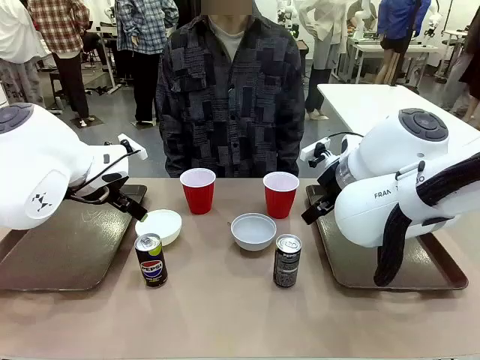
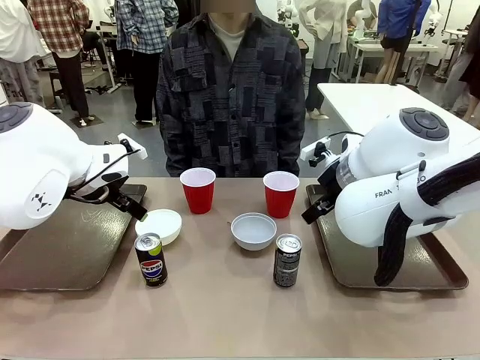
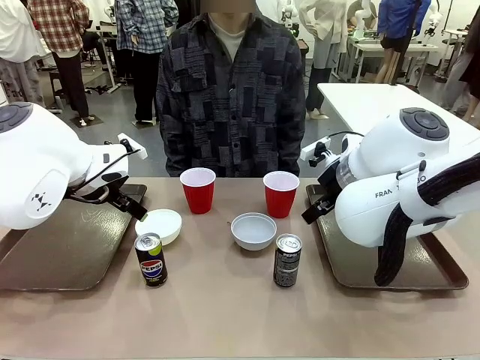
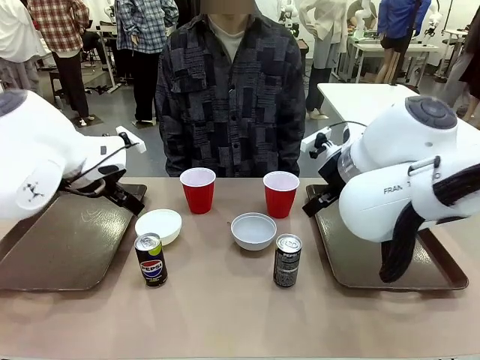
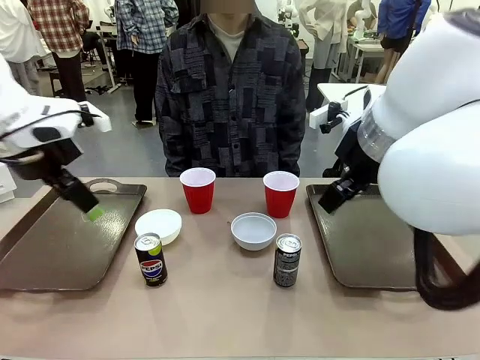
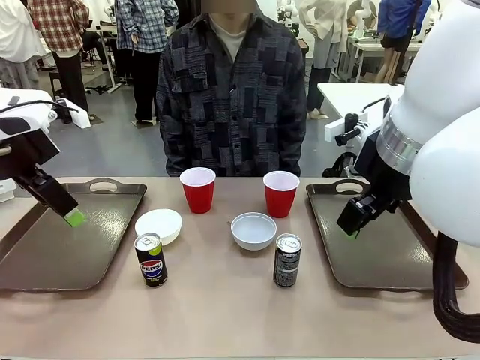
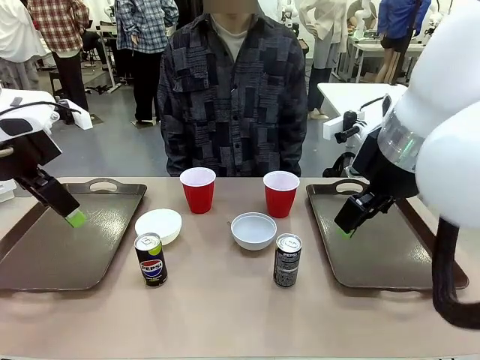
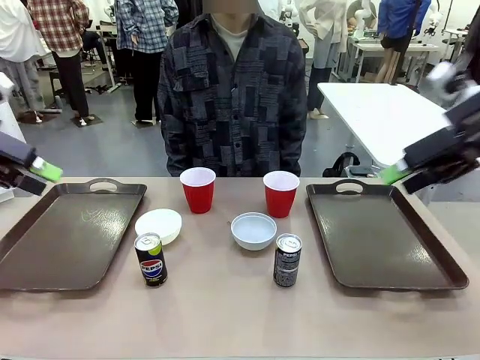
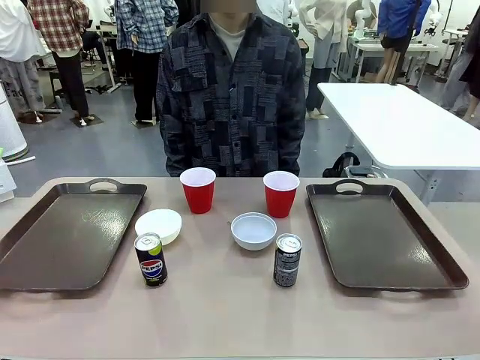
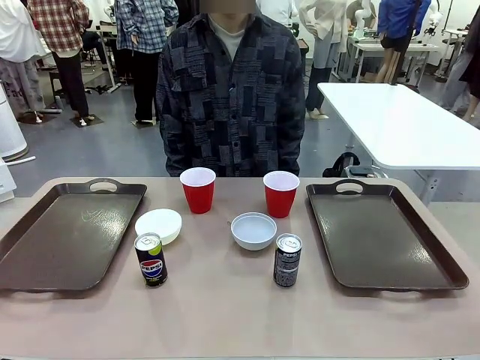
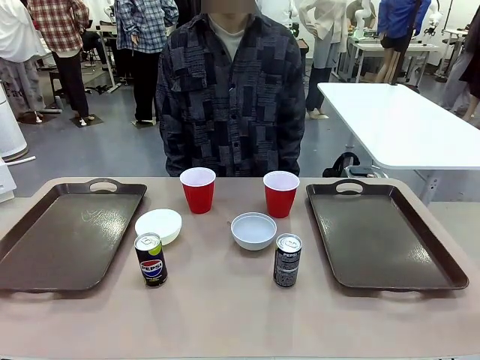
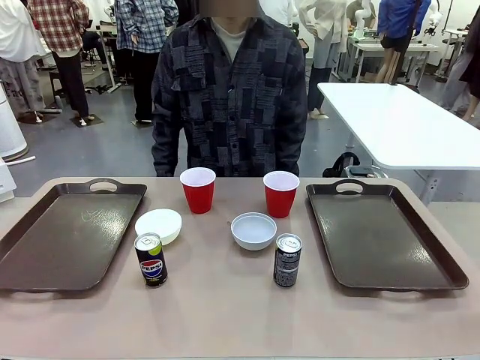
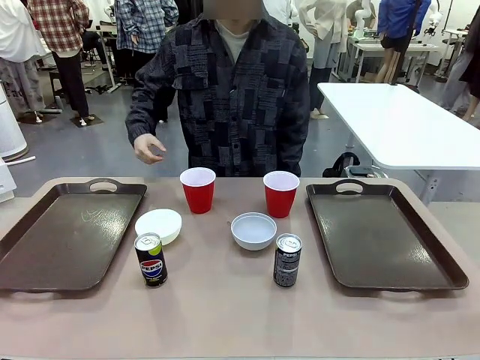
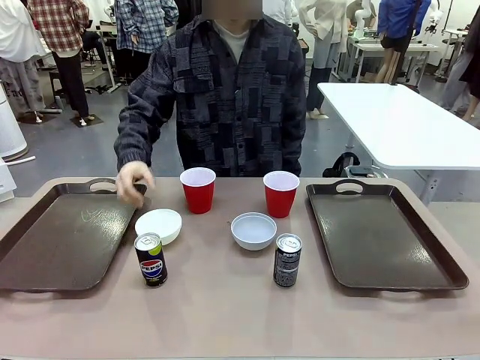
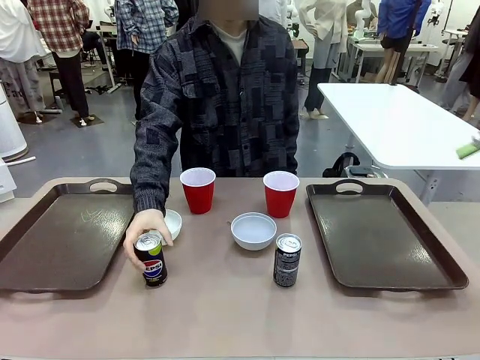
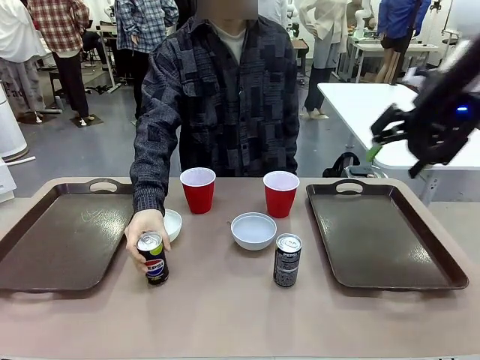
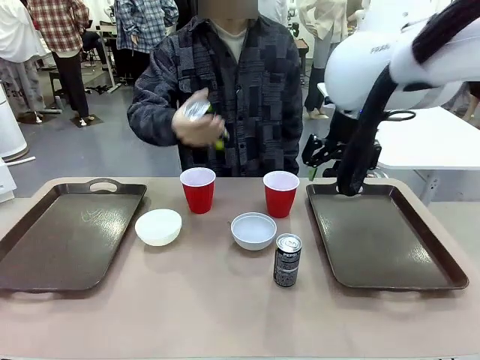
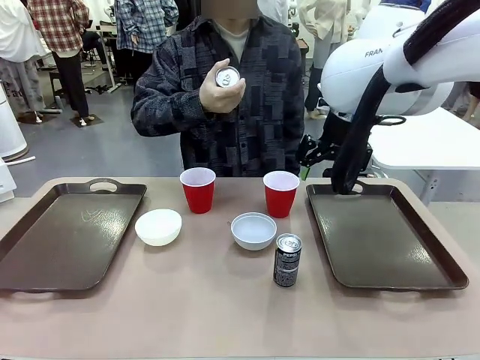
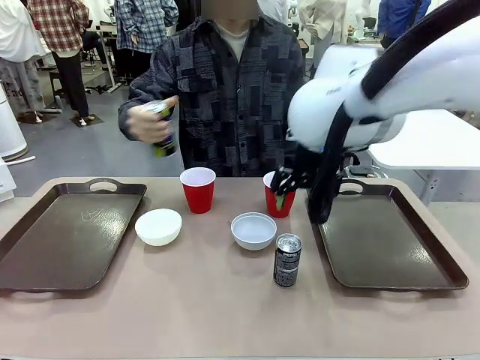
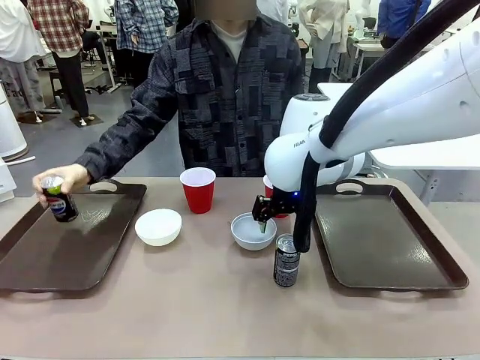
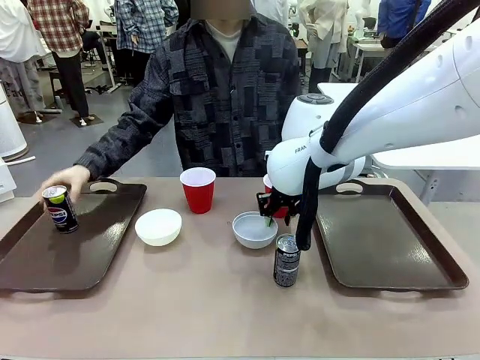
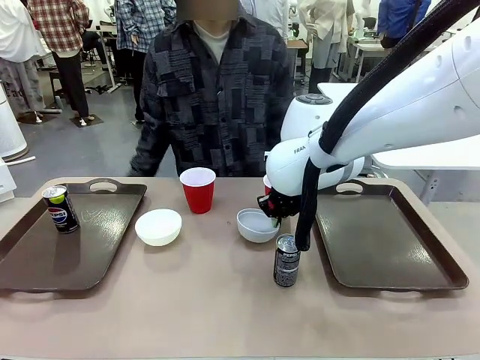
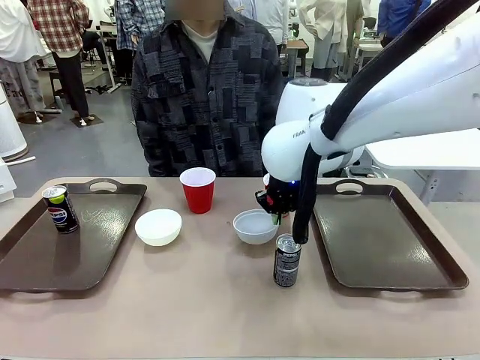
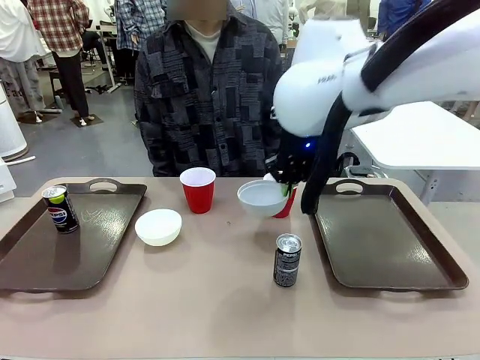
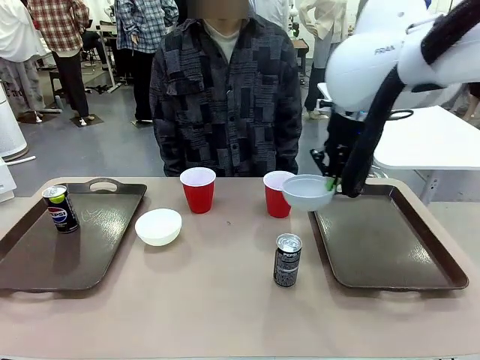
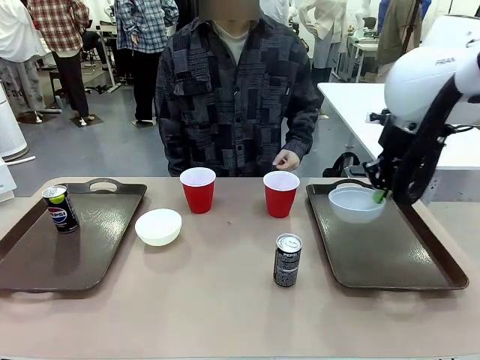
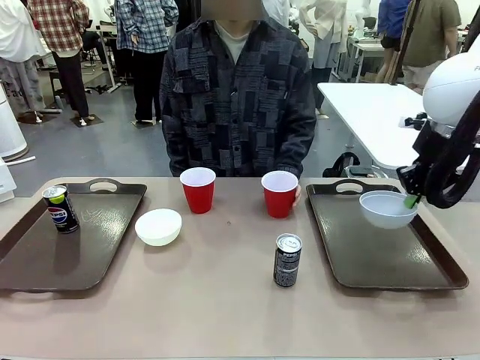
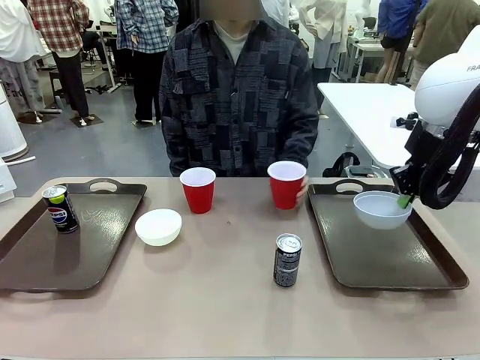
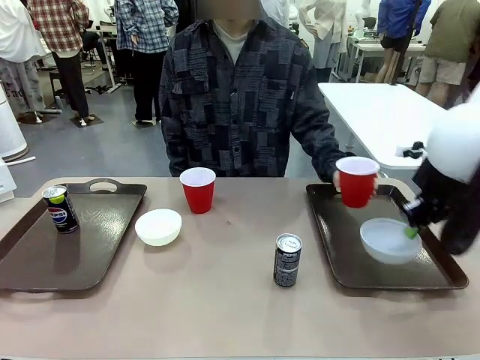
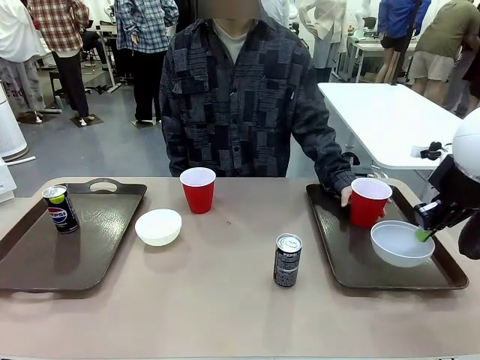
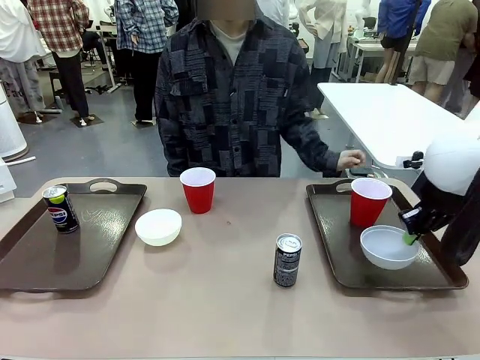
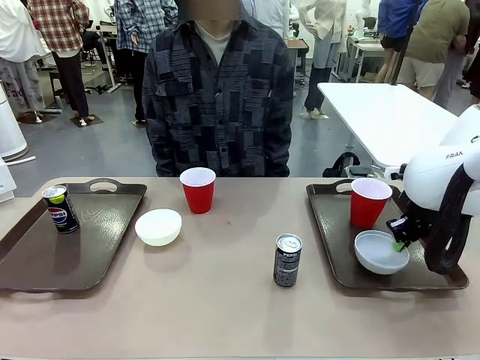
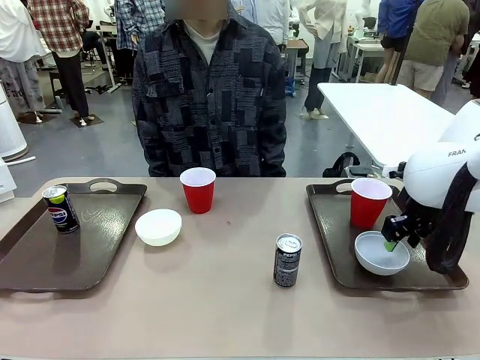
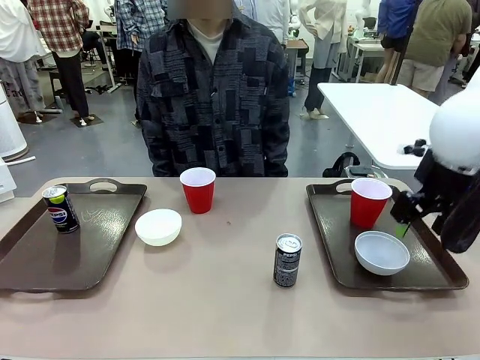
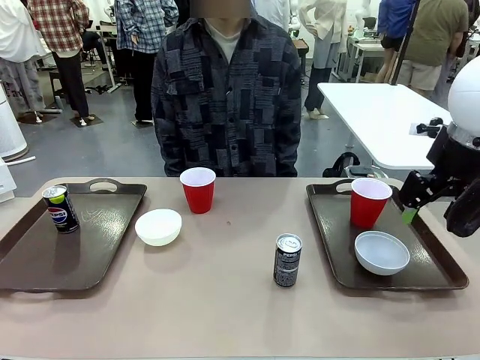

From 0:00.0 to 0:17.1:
Task: Prepare tableware on both trays.
Robot: Pick up a Picnic Bowl from the table and place it on a Handle tray.
Person: Pick up a can or cup and place it on the tray.
